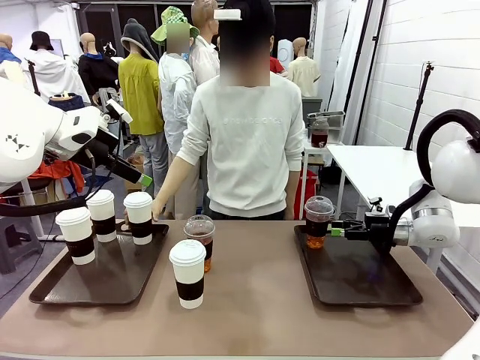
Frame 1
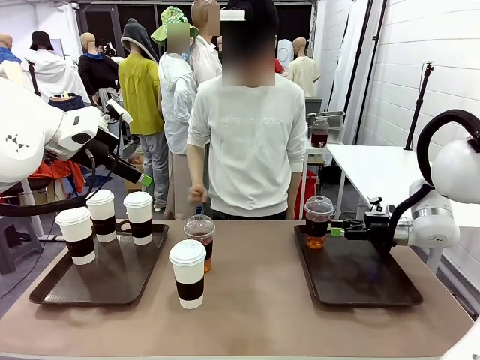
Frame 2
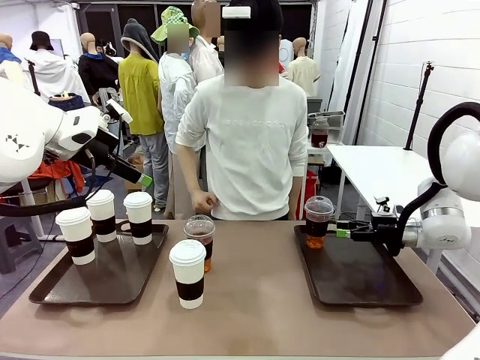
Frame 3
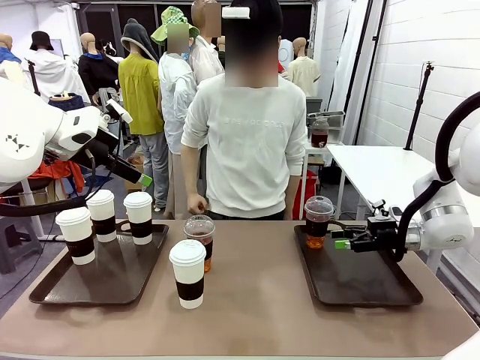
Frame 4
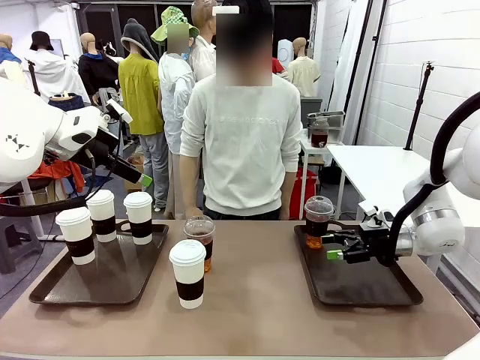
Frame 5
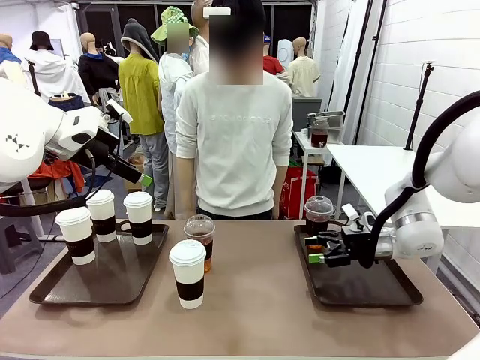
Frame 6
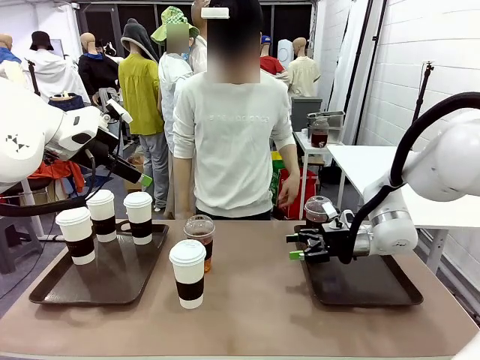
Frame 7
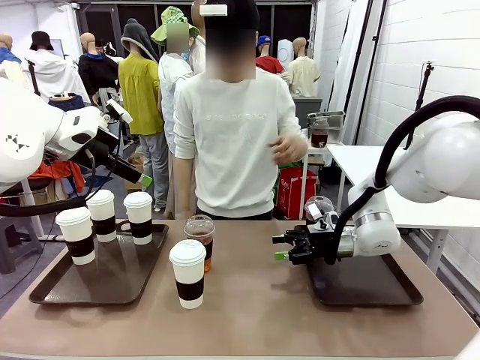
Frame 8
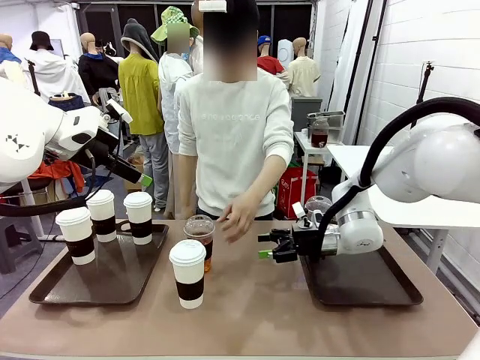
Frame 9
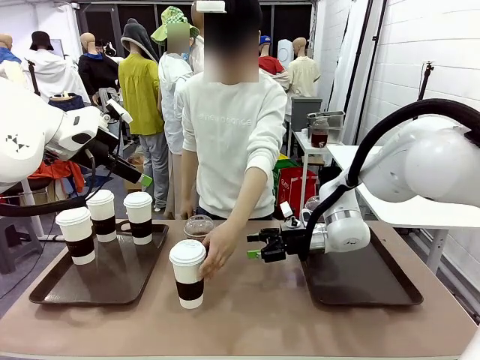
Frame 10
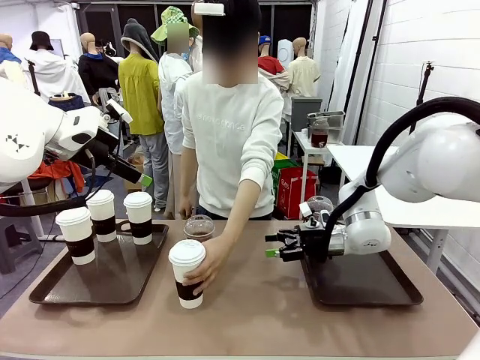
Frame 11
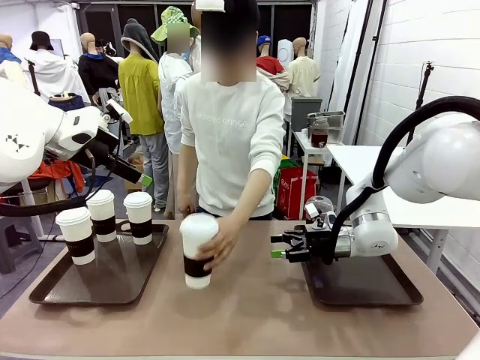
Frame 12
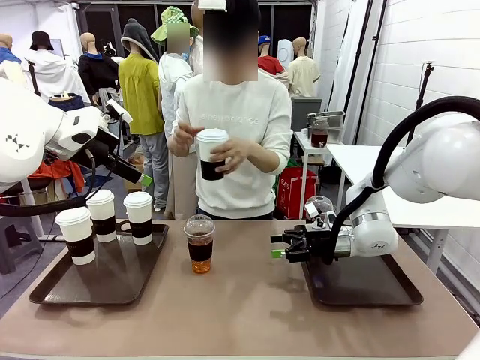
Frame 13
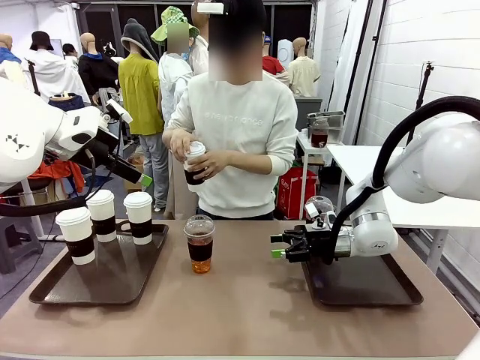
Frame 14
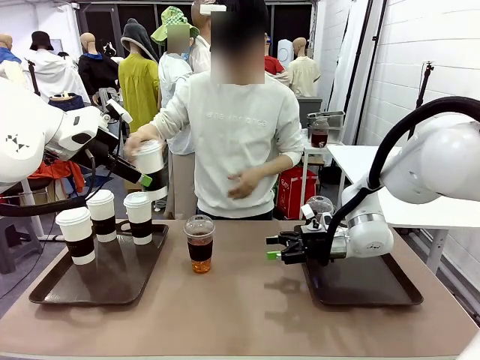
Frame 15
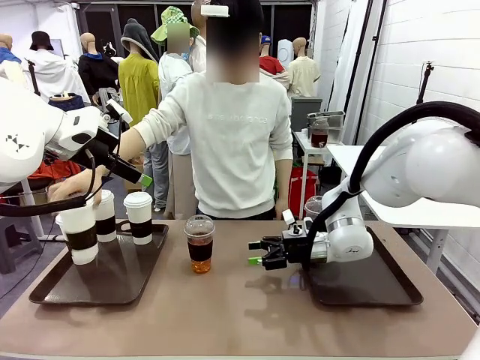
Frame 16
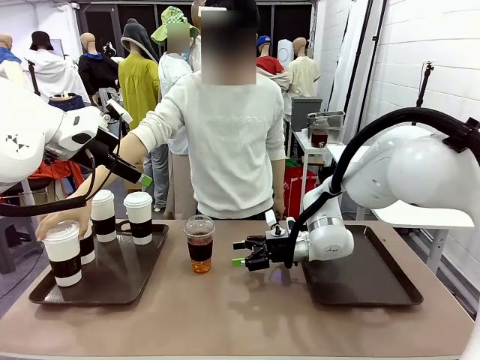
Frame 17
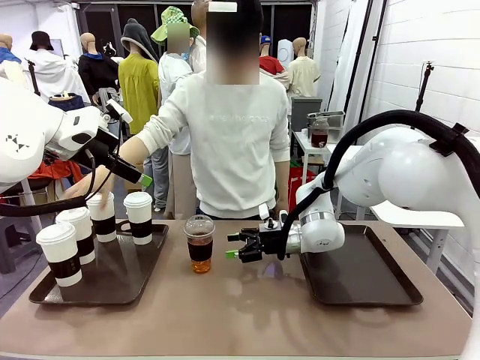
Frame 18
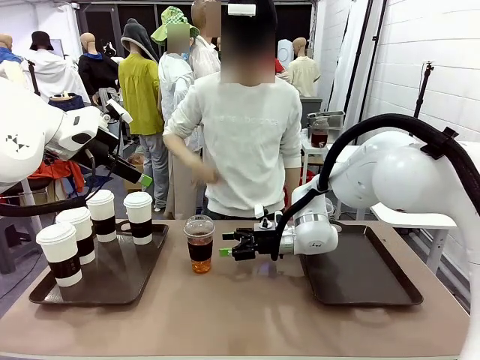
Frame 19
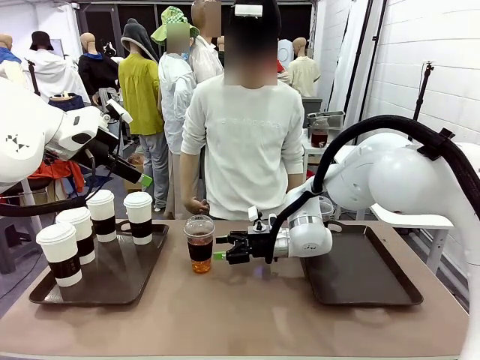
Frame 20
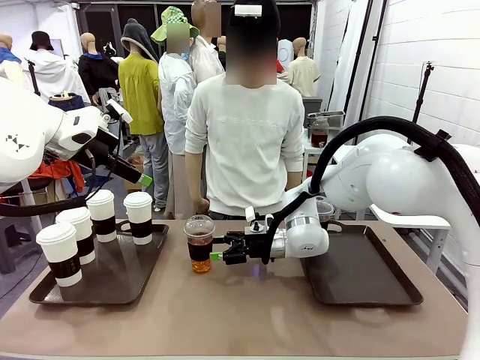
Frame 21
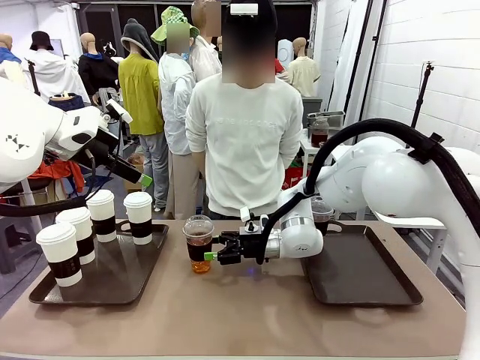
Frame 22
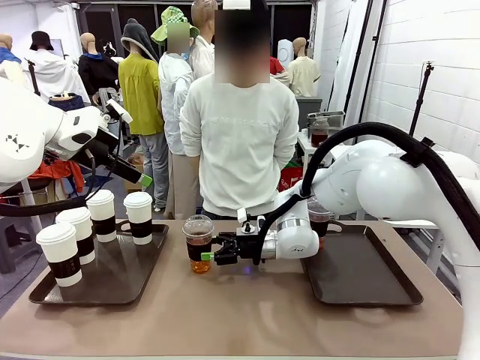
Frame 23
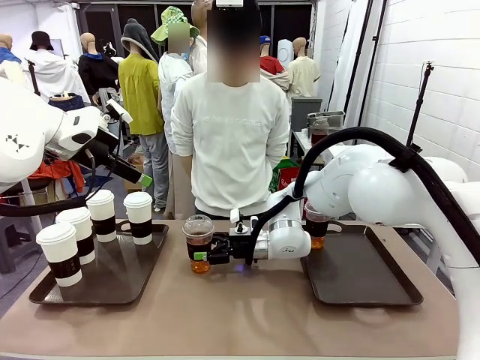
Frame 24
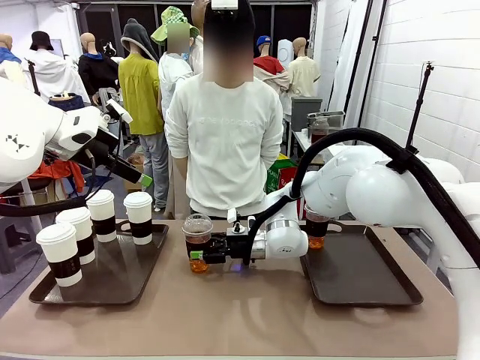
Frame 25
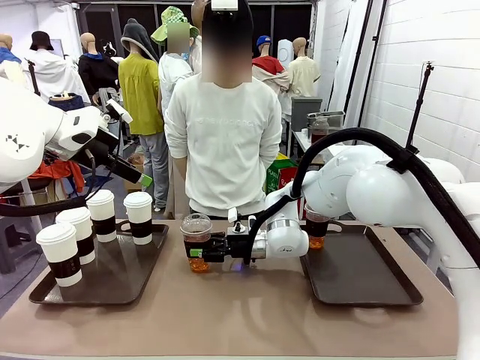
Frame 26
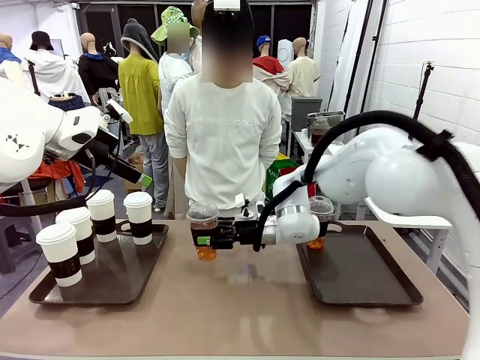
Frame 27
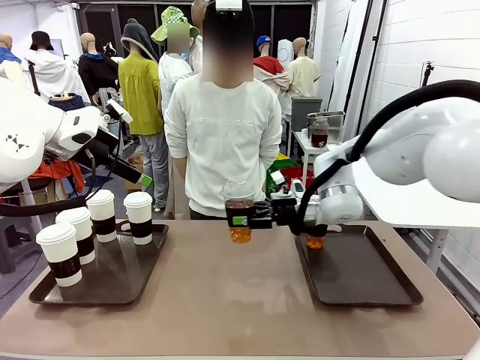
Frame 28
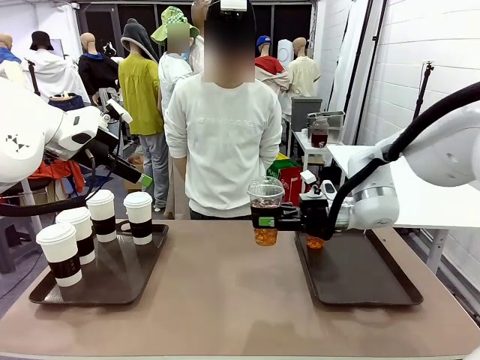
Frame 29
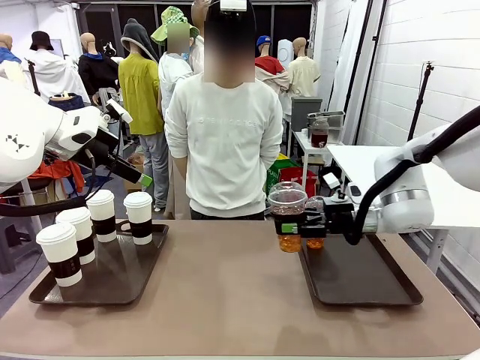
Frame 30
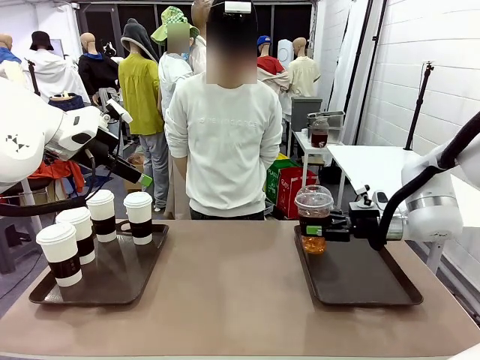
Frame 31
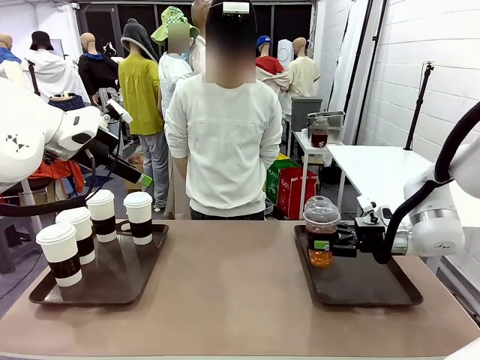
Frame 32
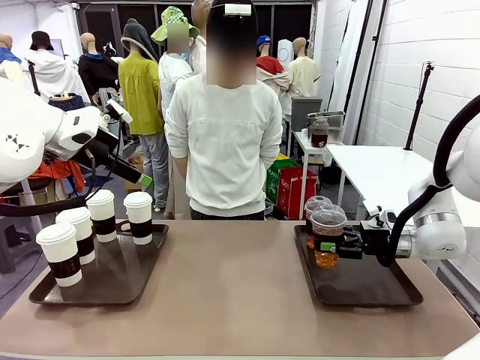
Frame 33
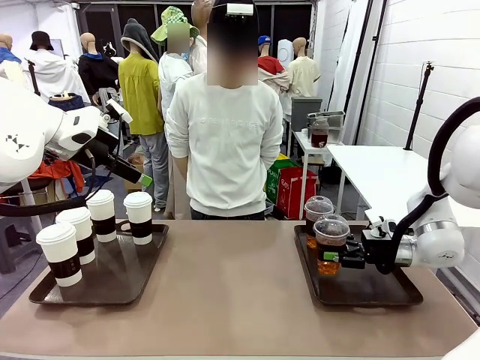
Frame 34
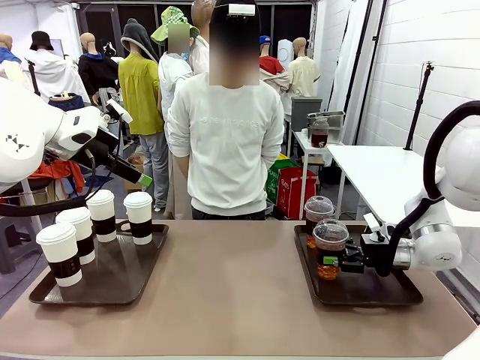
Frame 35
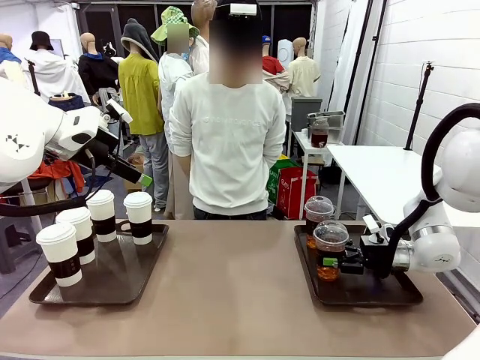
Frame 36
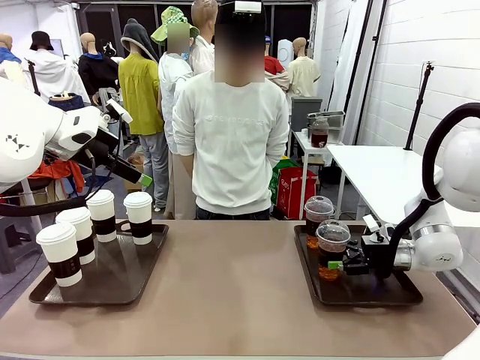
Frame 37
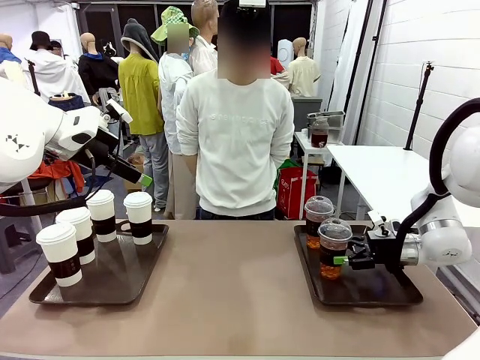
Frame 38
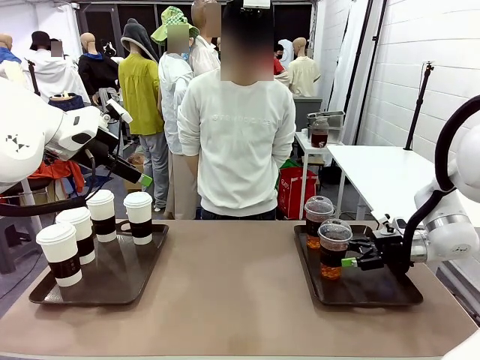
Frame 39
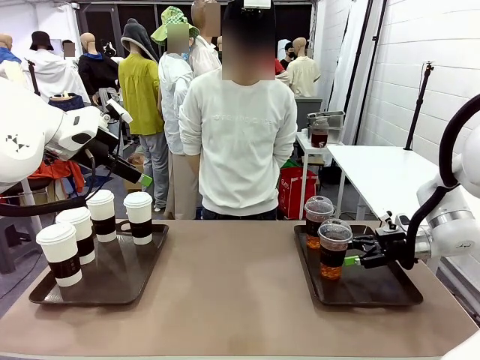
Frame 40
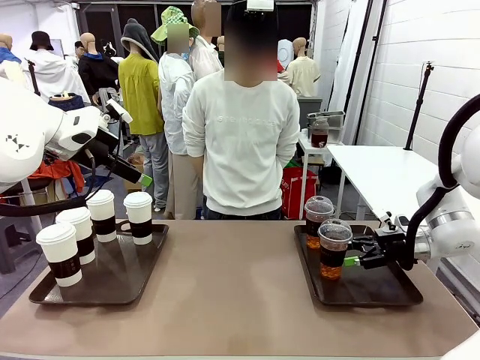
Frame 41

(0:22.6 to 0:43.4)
Task: Distribute the coffee onto the tray.
Robot: Pick up another iced Americano from the middle of the table and place it on the right Handle tray.
Person: Pick up a cup of hot Americano from the middle of the table and place it on the right tray.

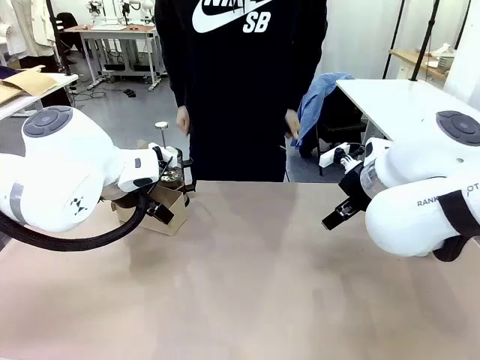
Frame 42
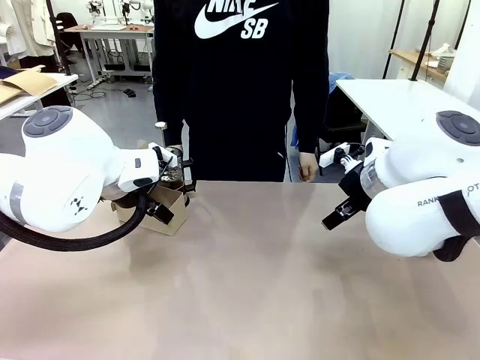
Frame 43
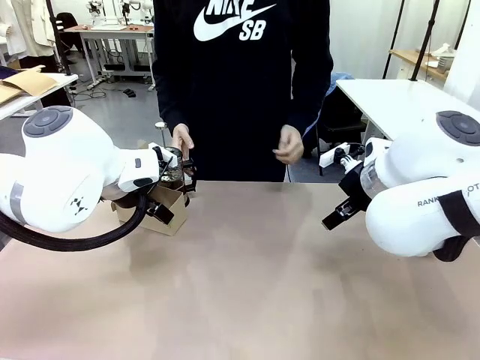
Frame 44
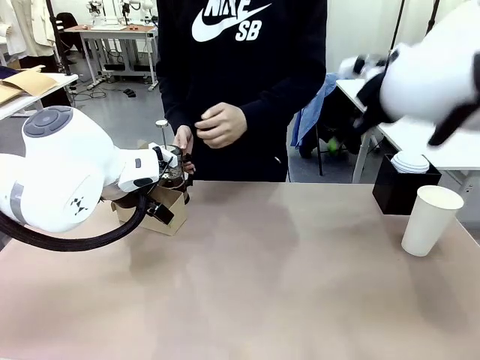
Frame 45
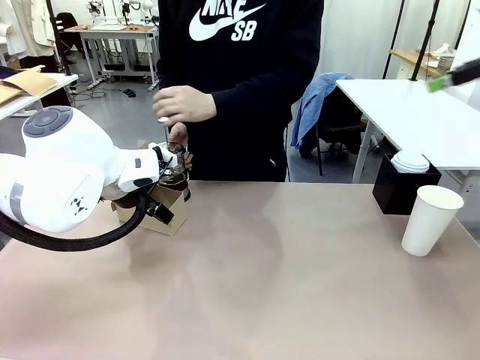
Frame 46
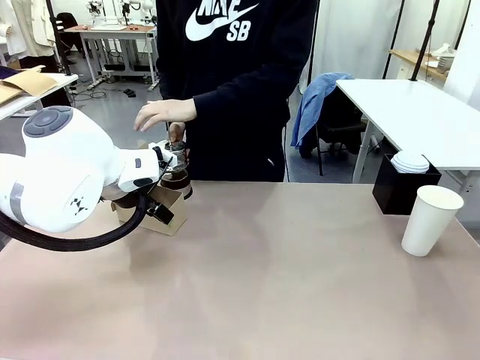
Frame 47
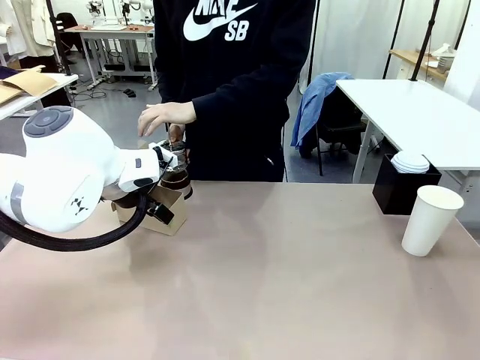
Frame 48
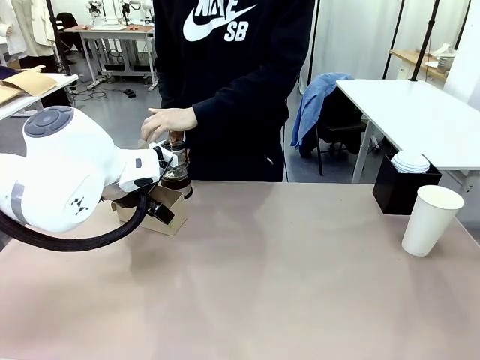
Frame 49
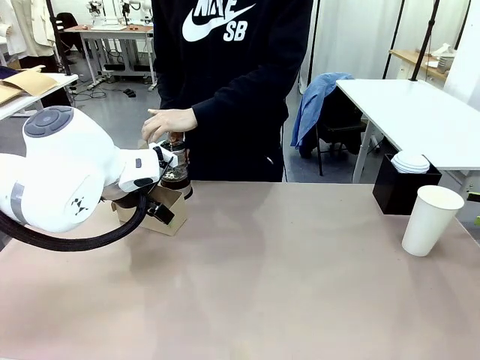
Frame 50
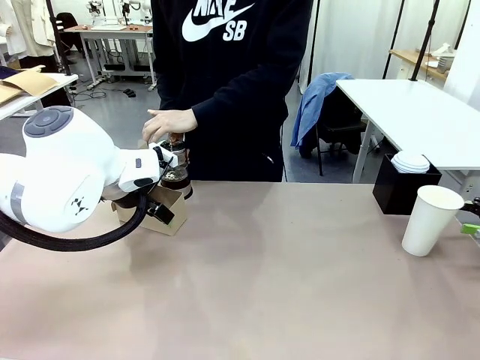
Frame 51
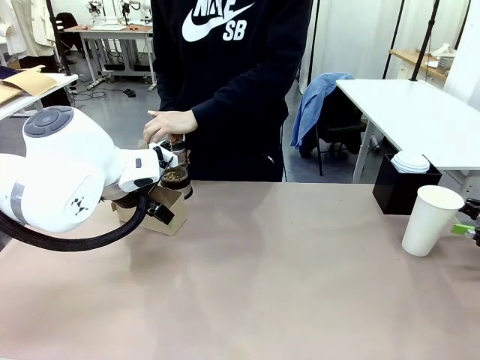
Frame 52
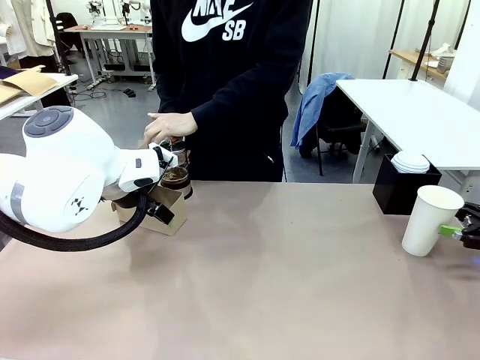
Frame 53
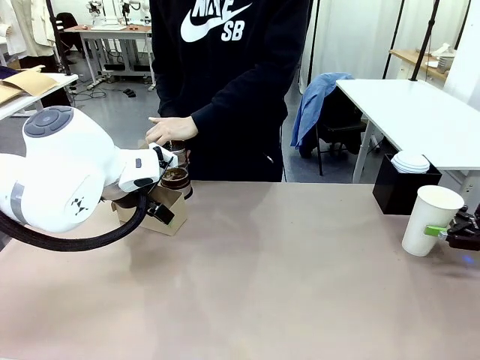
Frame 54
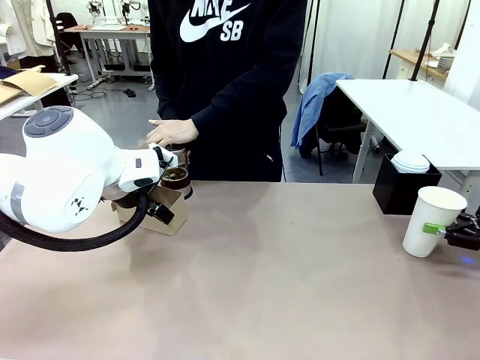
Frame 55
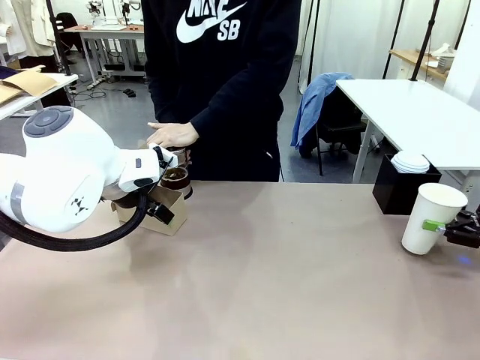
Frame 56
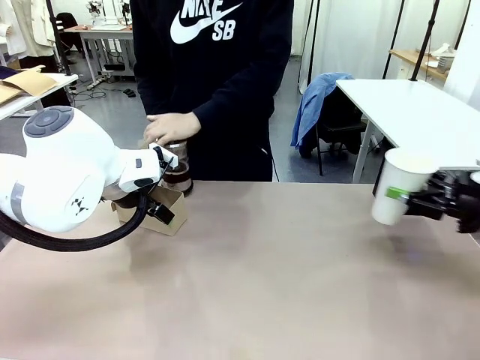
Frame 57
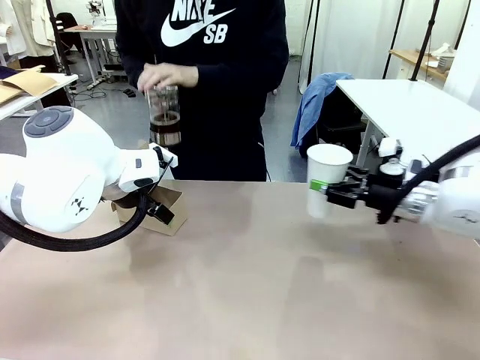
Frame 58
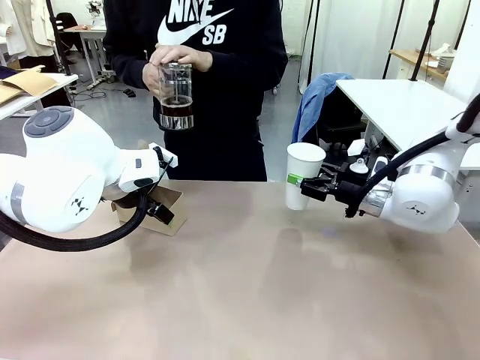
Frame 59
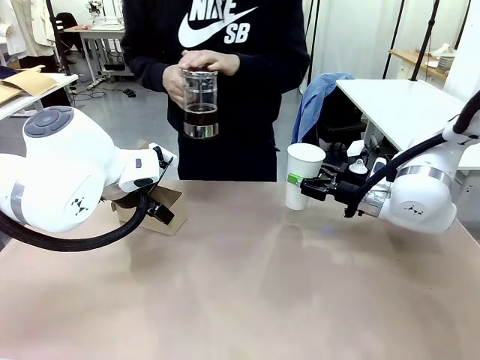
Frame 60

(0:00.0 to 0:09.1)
Task: Pour a drink into a cup and package it in a carrier.
Robot: Pick up the 600 ml Paper Cup and place it in the middle top area of the table.
Person: Press and pick up the Filter Brewing.
